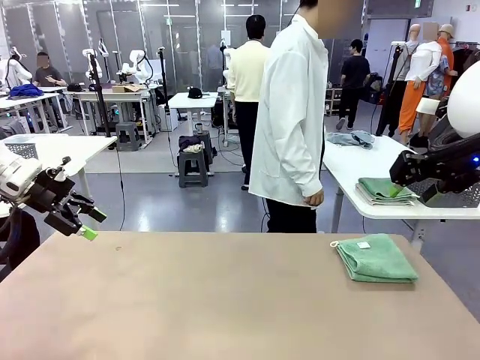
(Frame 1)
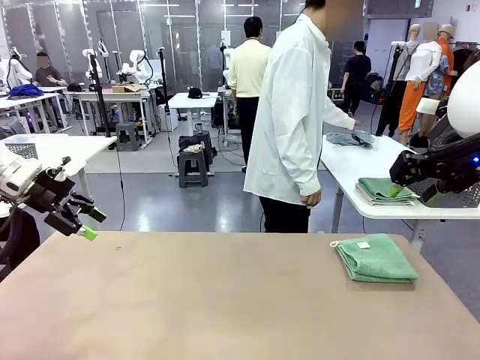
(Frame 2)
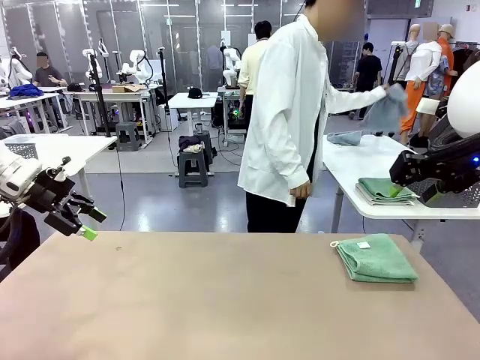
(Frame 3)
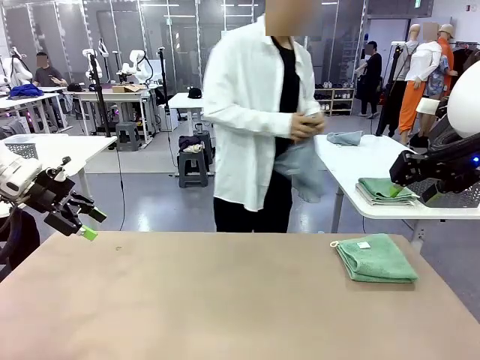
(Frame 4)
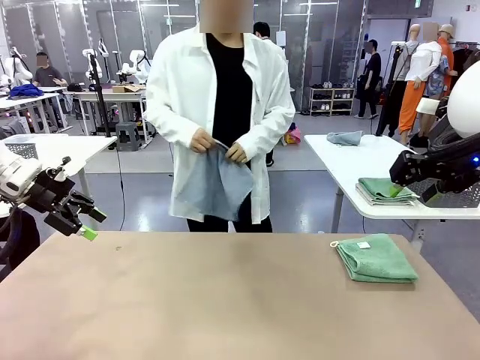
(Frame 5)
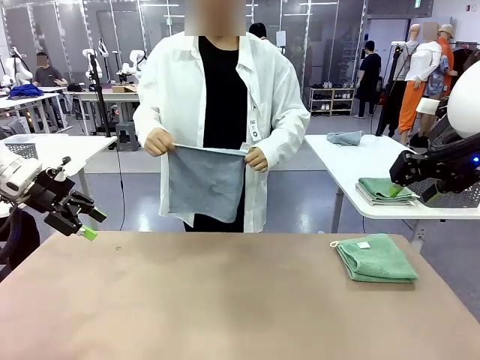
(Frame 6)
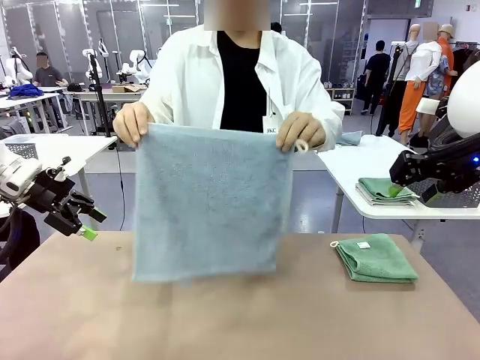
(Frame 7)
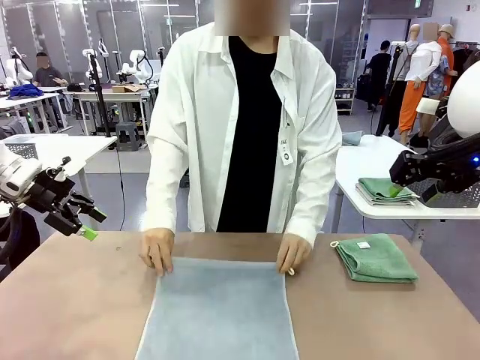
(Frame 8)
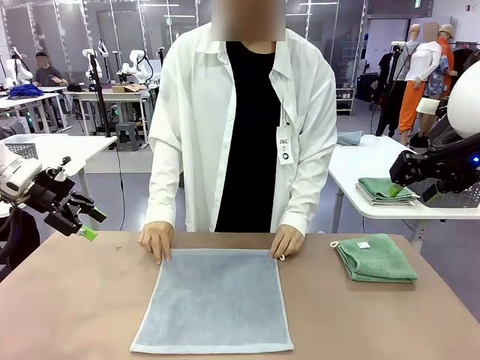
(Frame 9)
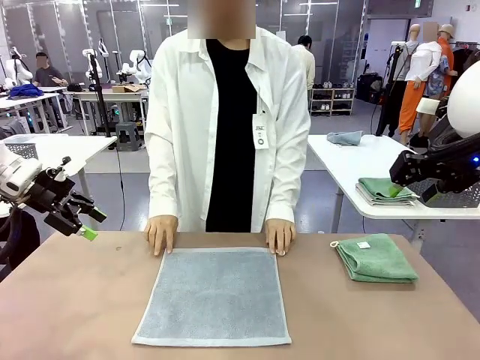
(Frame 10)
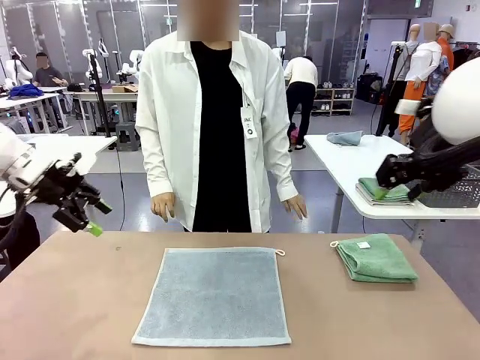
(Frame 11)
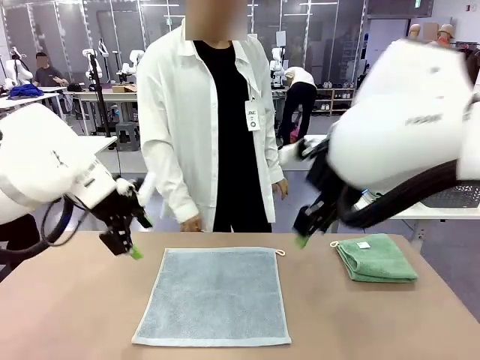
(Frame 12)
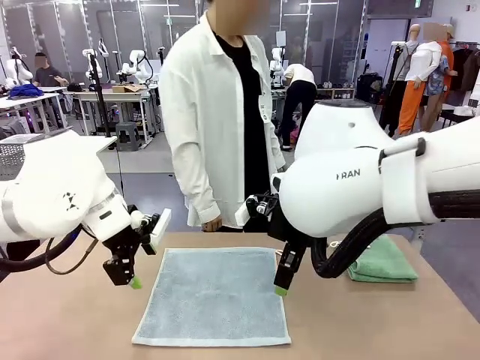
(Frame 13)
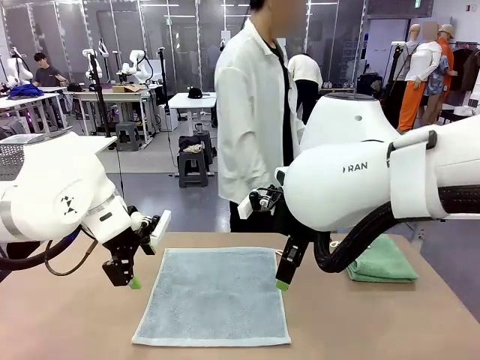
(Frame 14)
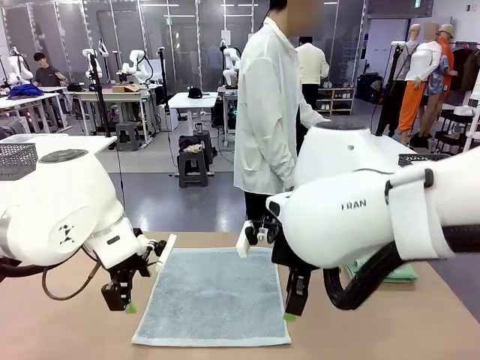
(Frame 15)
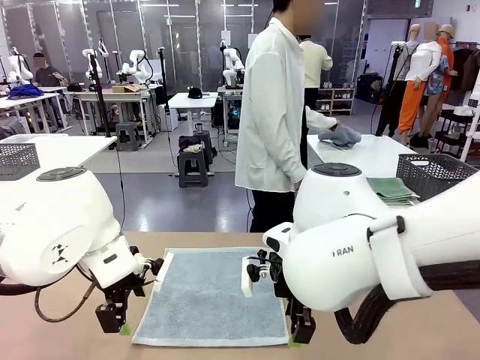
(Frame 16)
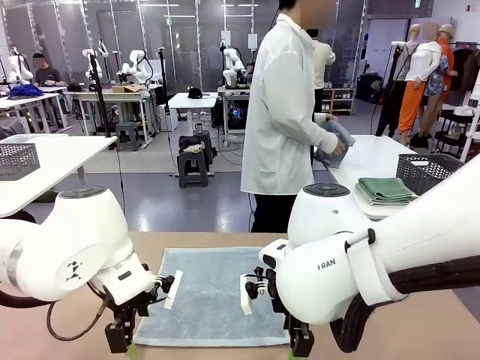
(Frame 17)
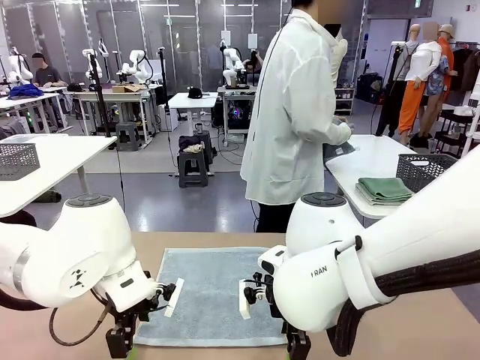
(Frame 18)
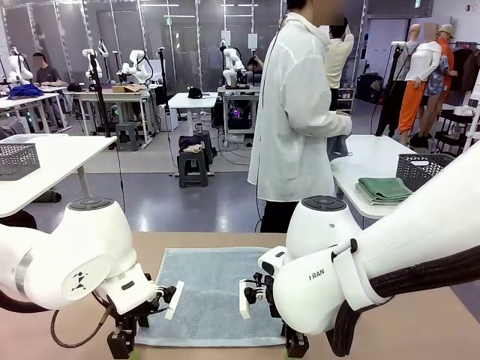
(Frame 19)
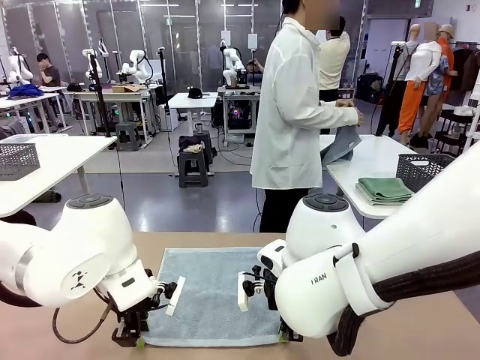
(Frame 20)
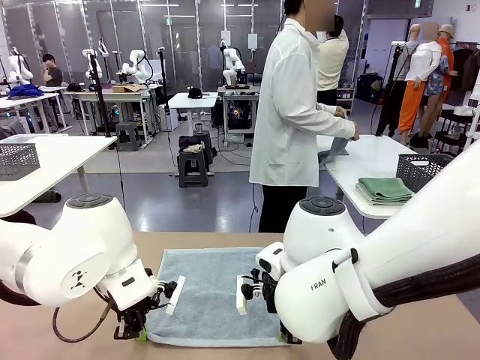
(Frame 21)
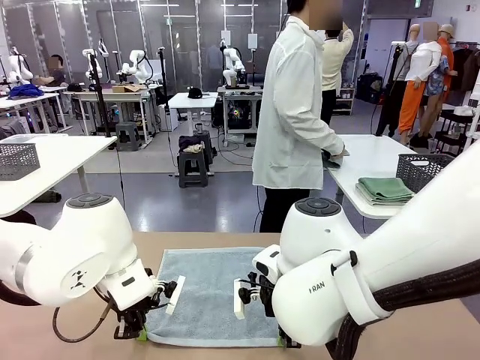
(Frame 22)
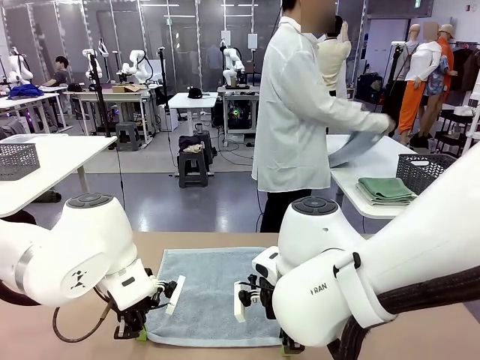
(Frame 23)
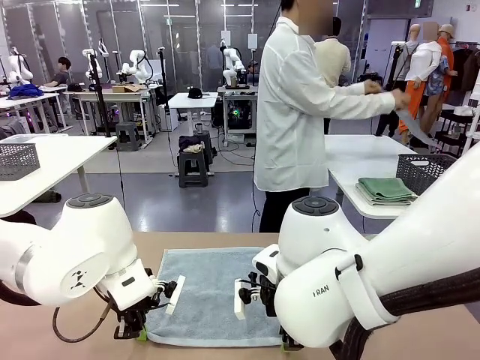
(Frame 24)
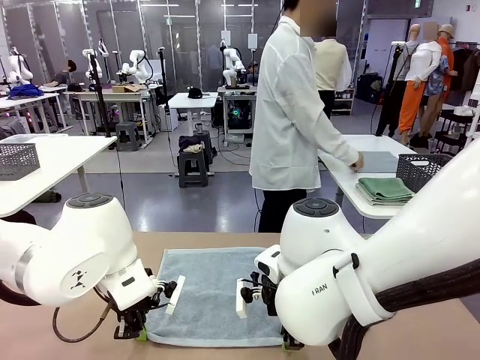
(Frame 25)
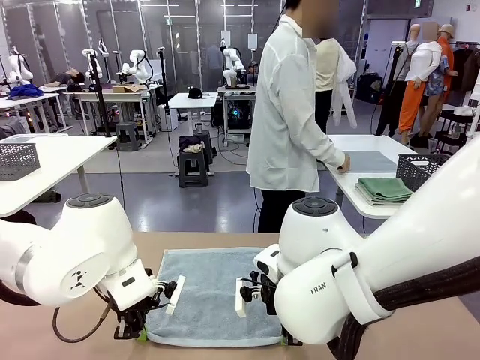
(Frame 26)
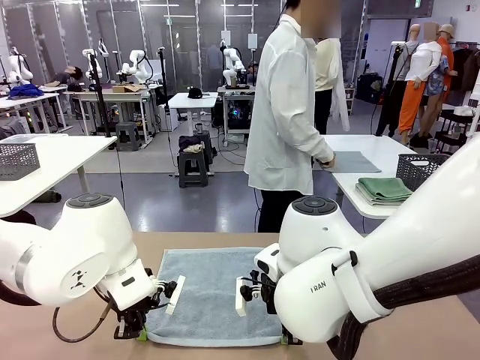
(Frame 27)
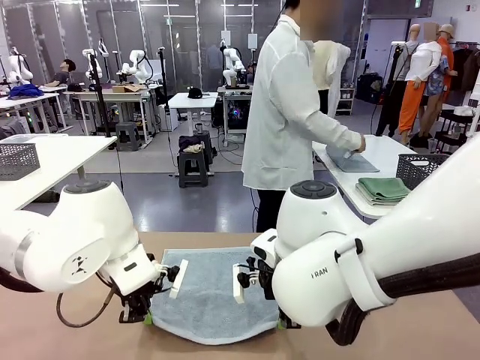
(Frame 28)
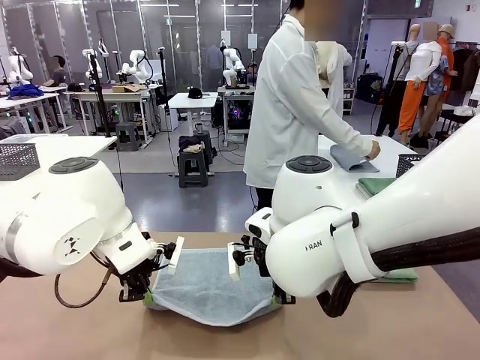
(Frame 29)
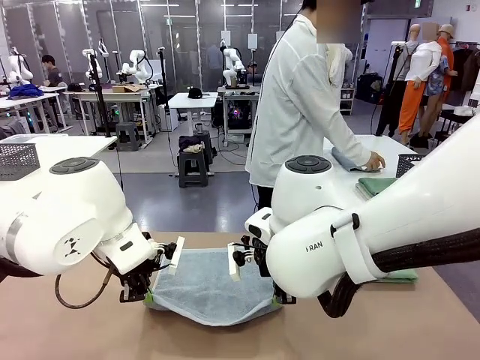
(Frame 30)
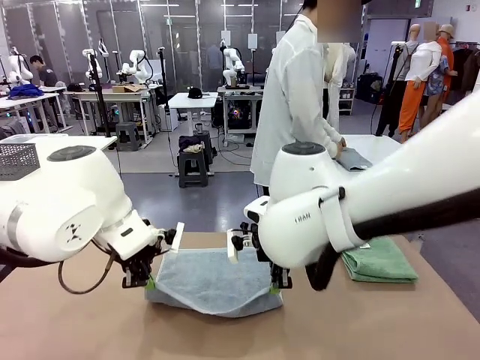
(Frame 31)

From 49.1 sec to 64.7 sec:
Task: Fold the towels and place them in the basket.
Robot: When a person lays out a Towel with hook on the table, fold it in half twice.
Person: Pick up one towel from the left side of the human table and spread it out at the center of the robot table. Pick up one towel from the left side of the human table, fold it in half twice, and stack it on the right side of the table.

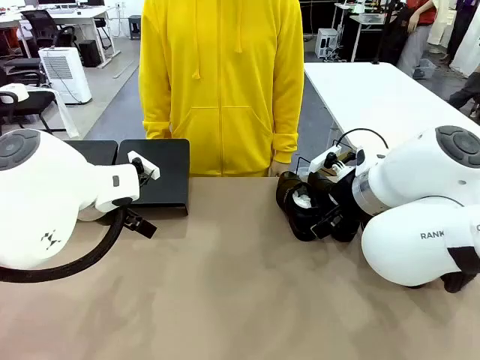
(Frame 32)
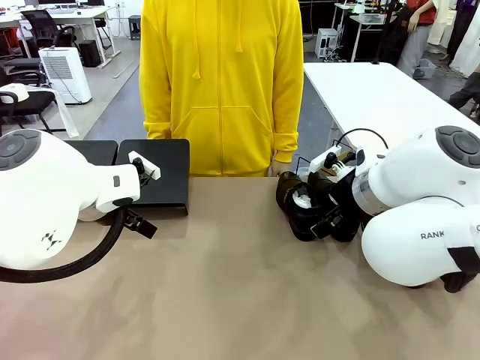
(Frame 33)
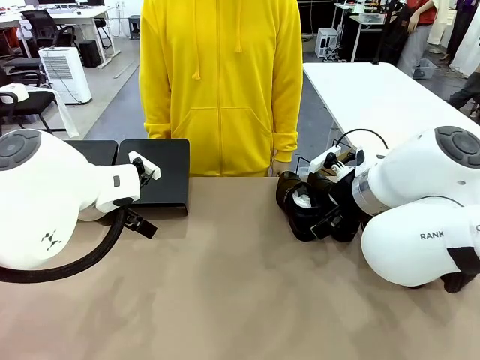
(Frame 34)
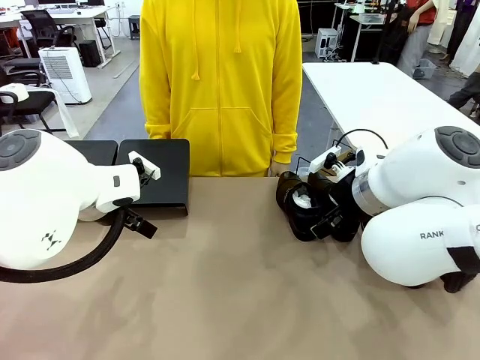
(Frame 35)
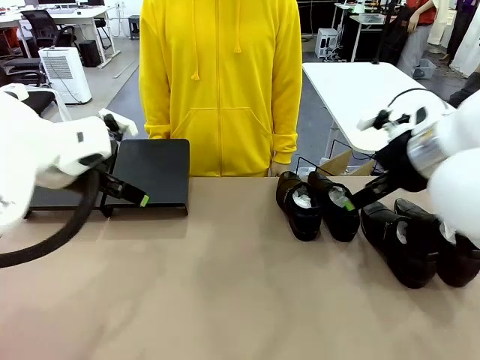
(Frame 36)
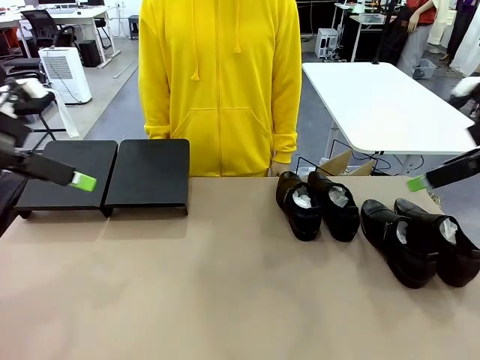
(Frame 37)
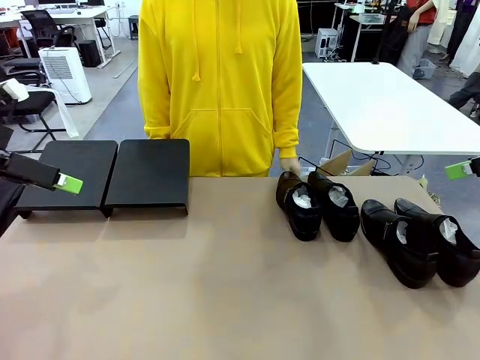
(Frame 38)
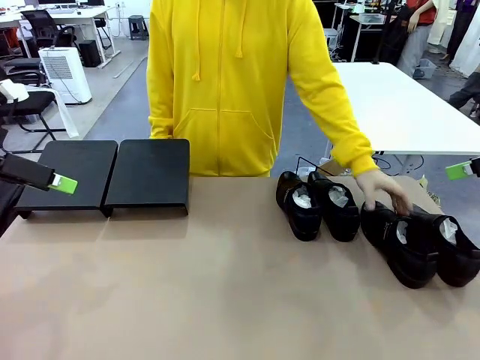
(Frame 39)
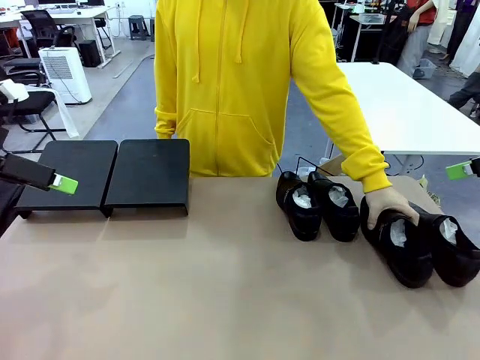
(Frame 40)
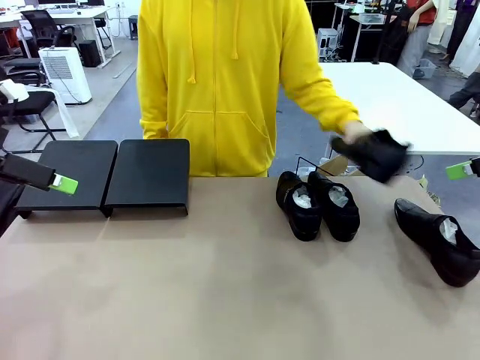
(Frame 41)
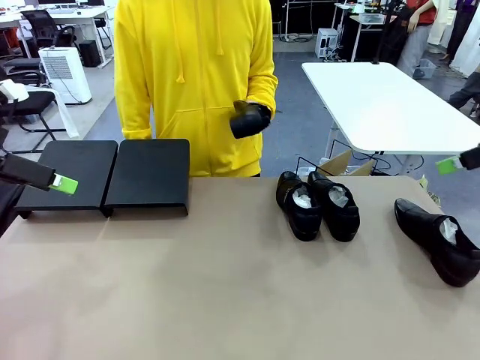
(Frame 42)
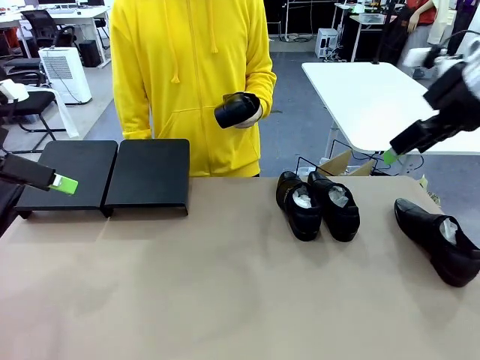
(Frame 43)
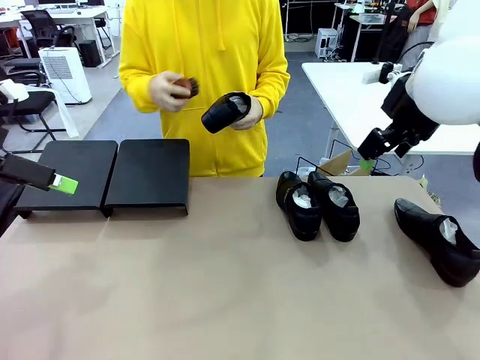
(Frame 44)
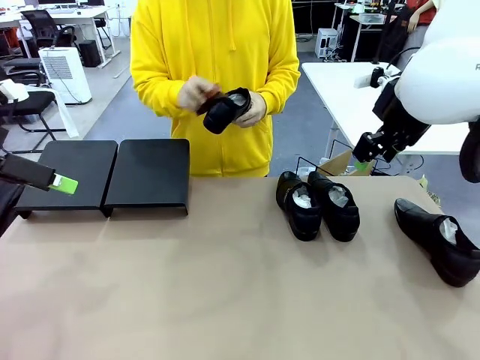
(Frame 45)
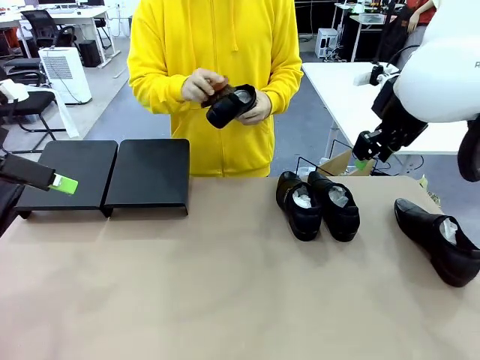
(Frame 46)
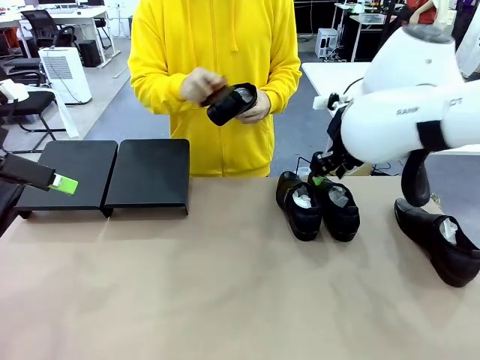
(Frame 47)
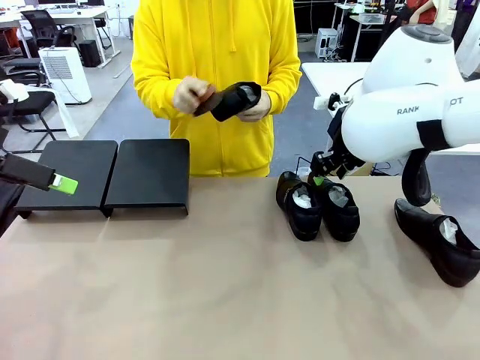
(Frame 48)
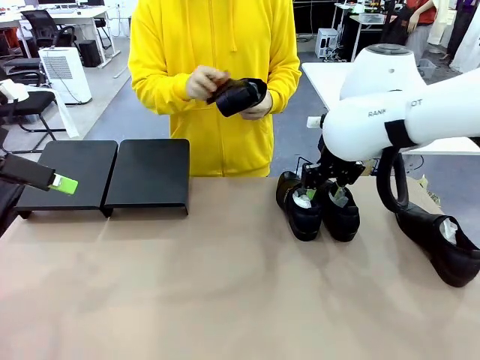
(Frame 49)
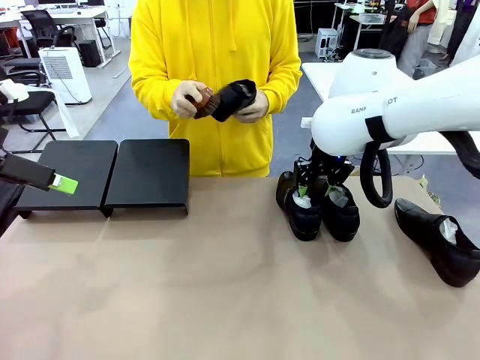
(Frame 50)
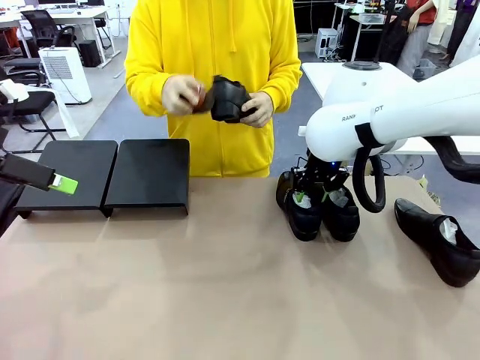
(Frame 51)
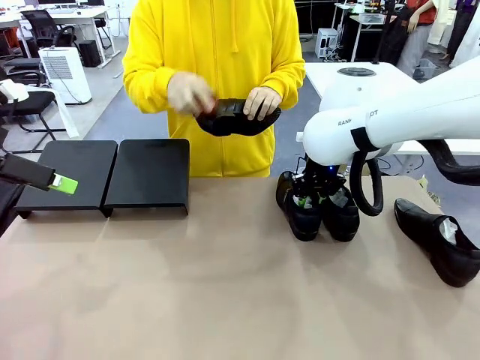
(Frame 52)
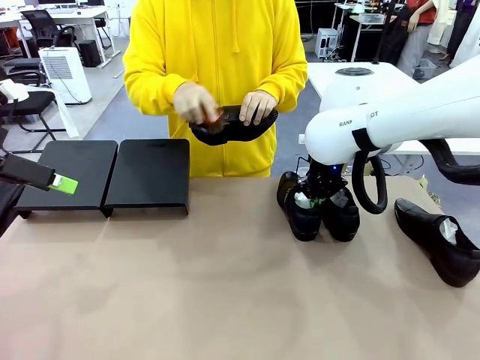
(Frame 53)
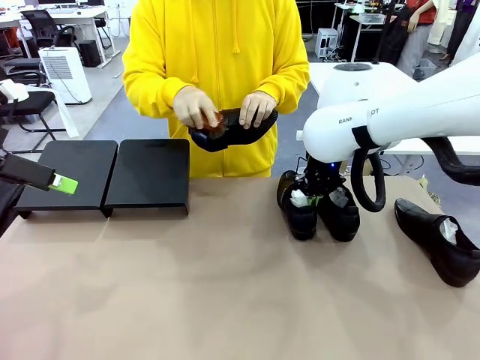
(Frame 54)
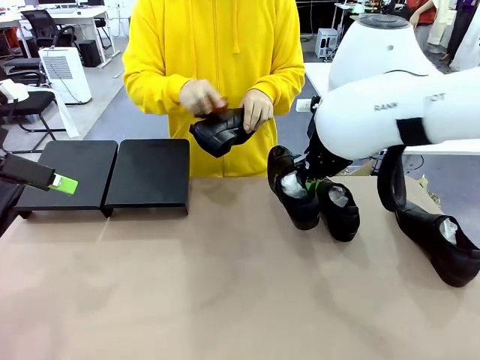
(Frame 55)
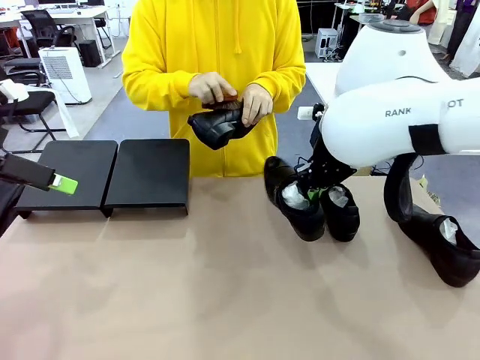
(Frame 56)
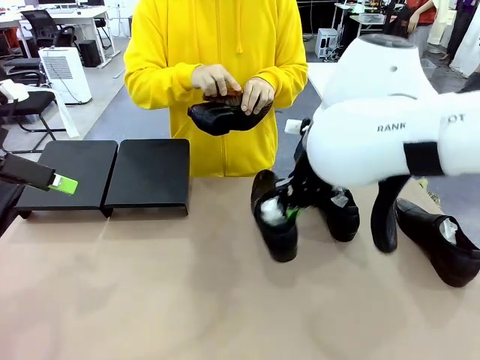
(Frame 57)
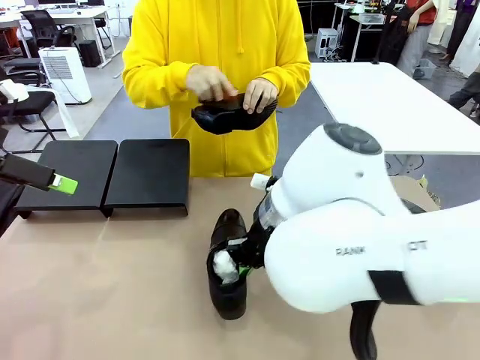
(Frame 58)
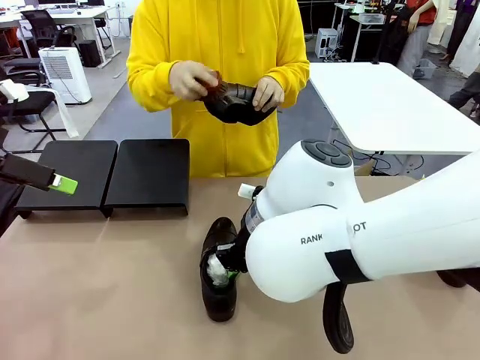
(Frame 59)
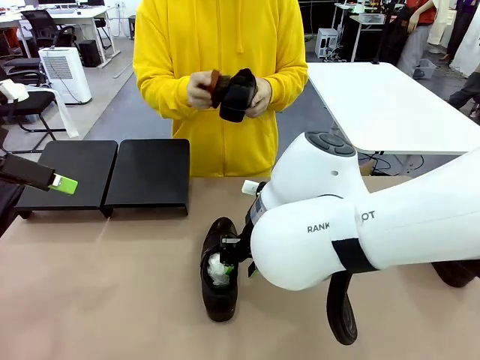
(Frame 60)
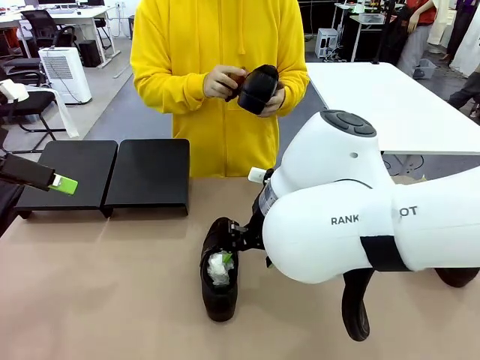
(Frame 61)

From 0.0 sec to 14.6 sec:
Task: Organize the shoes by placing them on the stand.
Robot: Pick up one Shoe and place it in the middle of the table.
Person: Pick one Shoe on Robot's table. Clean the Shoe with the Shoe Brush.
